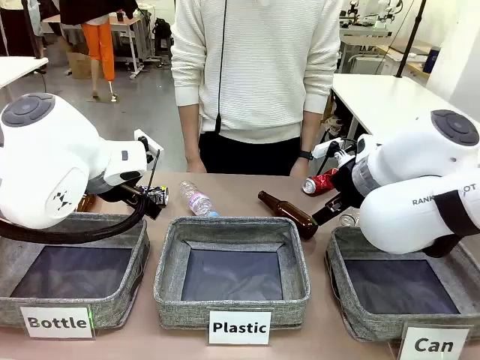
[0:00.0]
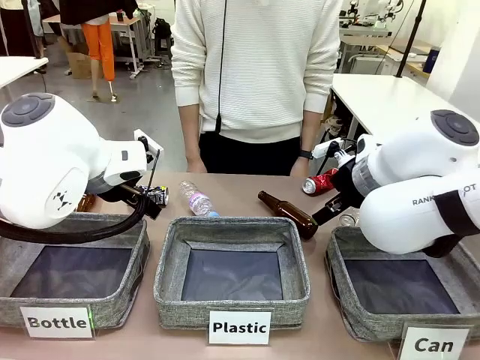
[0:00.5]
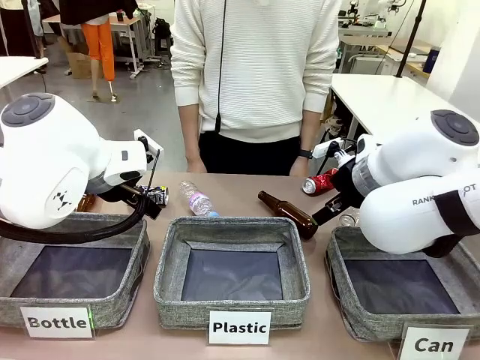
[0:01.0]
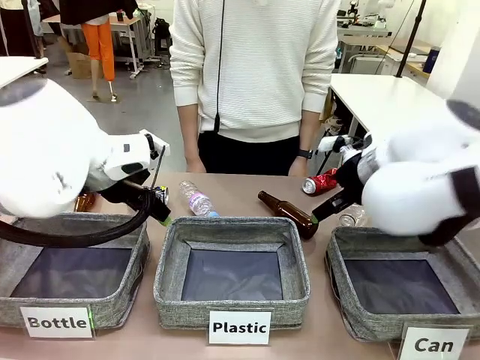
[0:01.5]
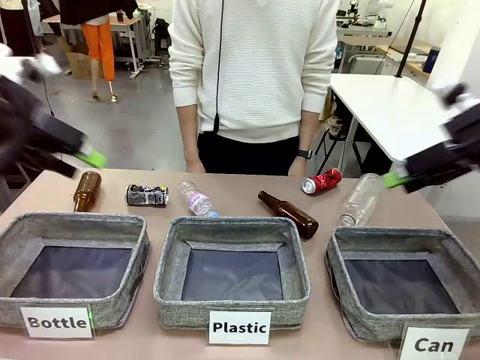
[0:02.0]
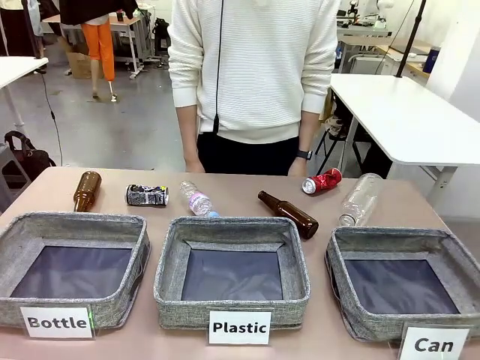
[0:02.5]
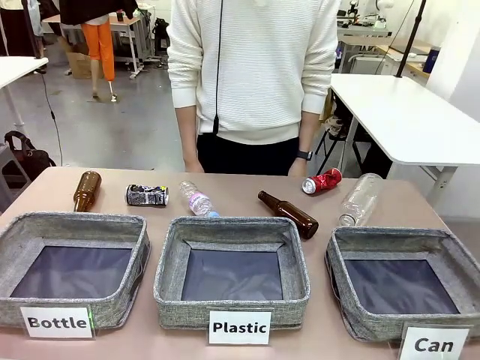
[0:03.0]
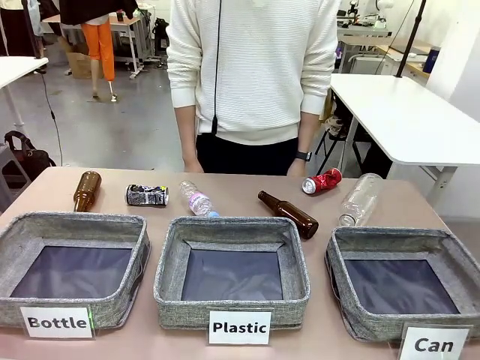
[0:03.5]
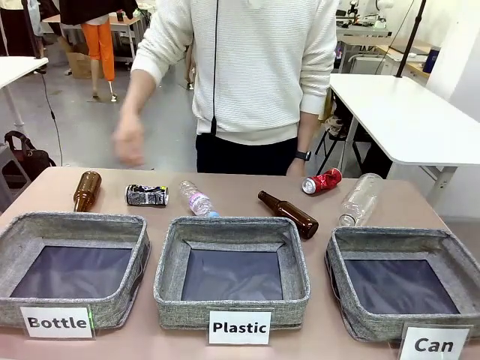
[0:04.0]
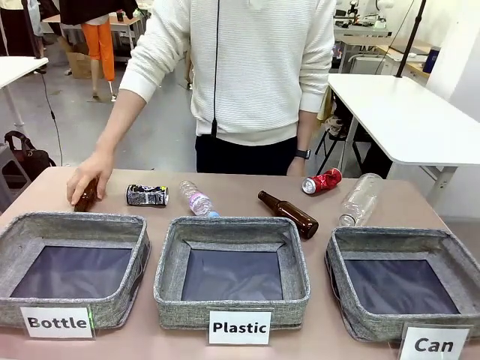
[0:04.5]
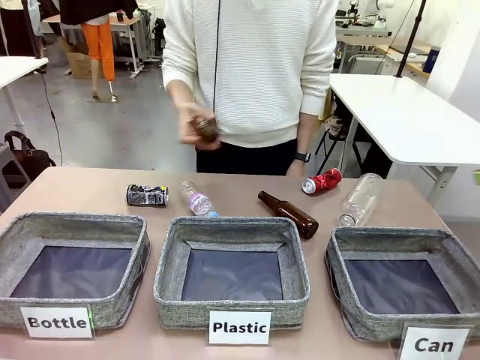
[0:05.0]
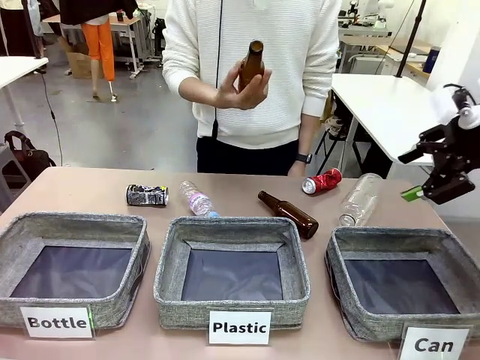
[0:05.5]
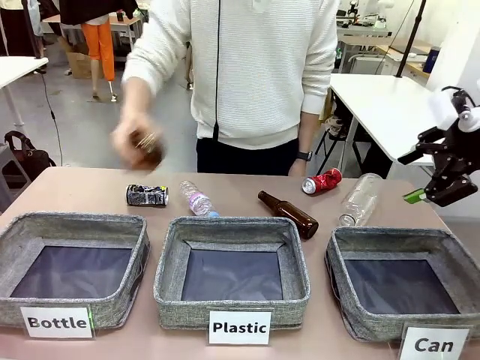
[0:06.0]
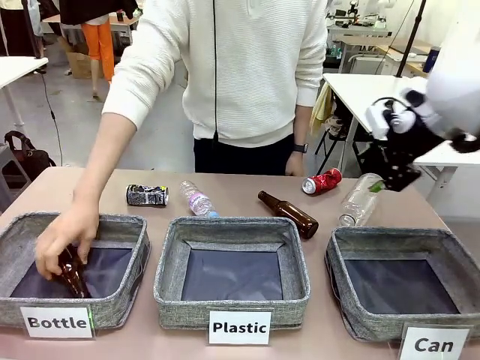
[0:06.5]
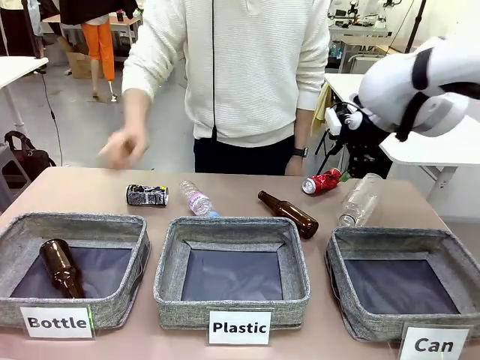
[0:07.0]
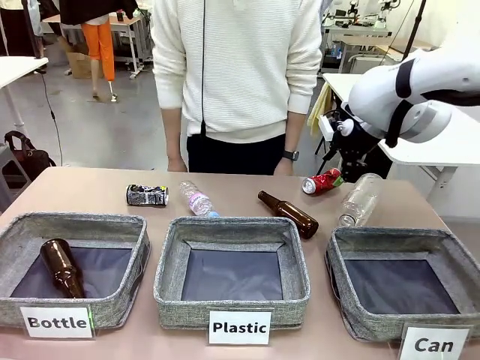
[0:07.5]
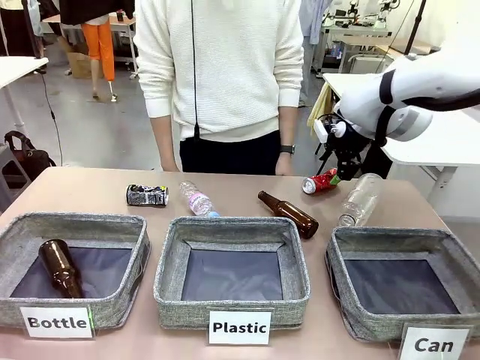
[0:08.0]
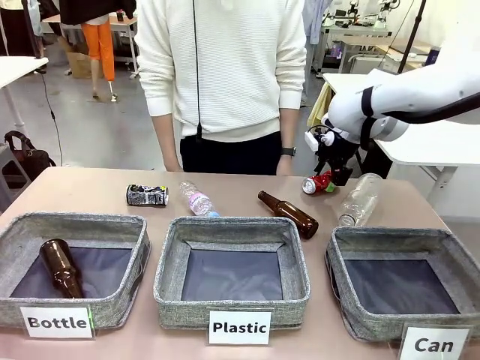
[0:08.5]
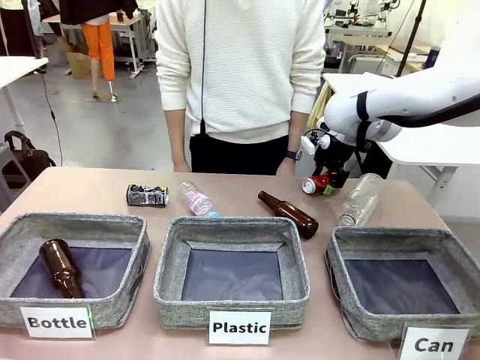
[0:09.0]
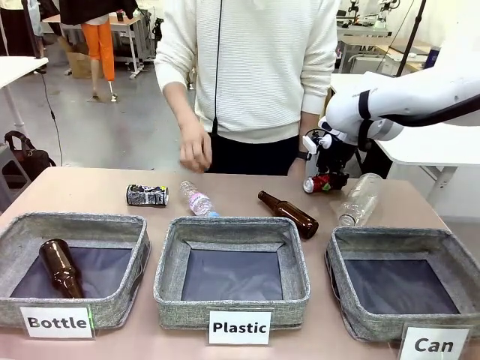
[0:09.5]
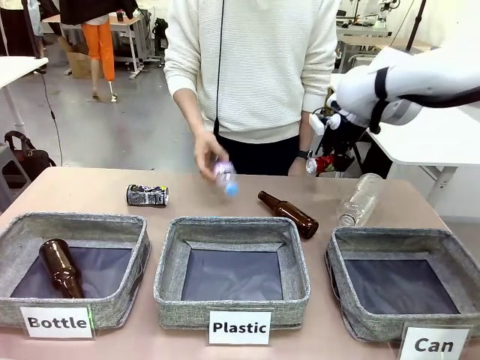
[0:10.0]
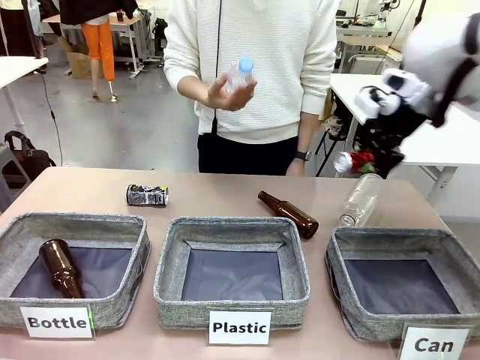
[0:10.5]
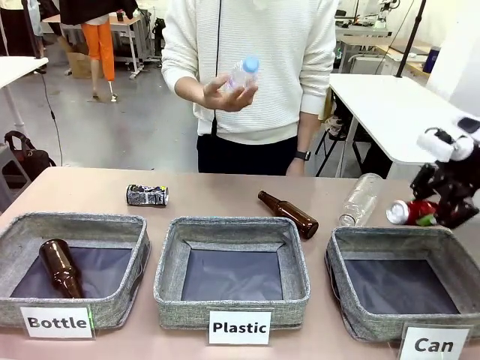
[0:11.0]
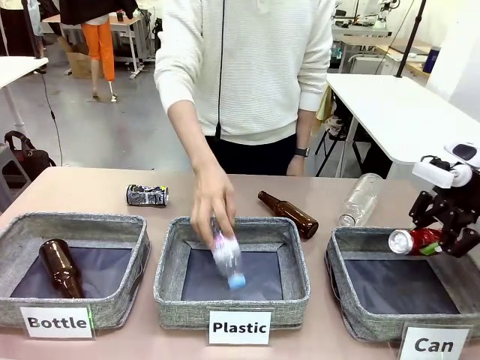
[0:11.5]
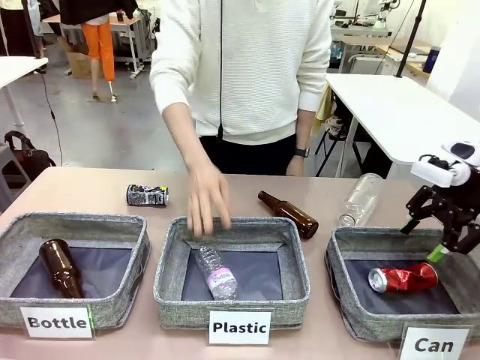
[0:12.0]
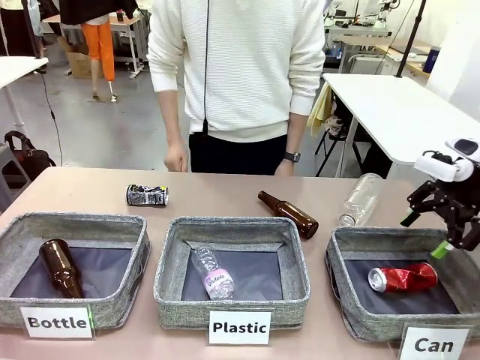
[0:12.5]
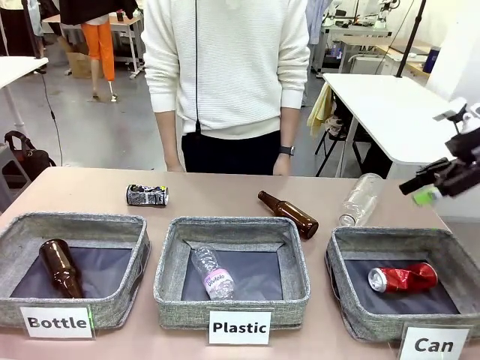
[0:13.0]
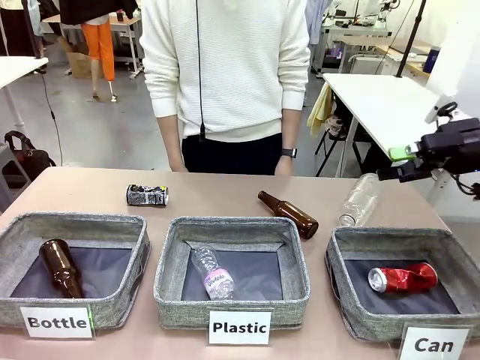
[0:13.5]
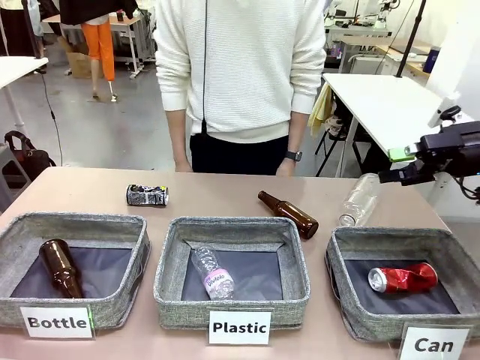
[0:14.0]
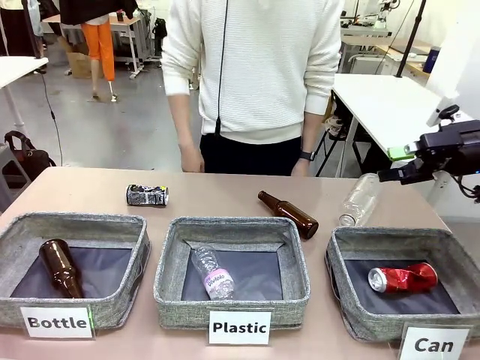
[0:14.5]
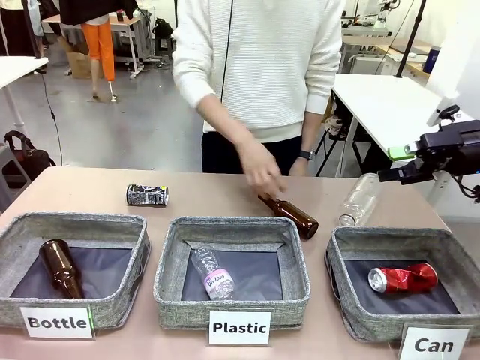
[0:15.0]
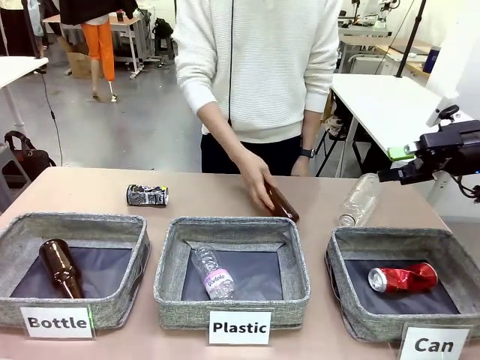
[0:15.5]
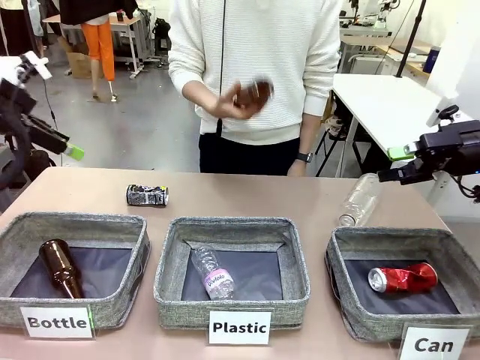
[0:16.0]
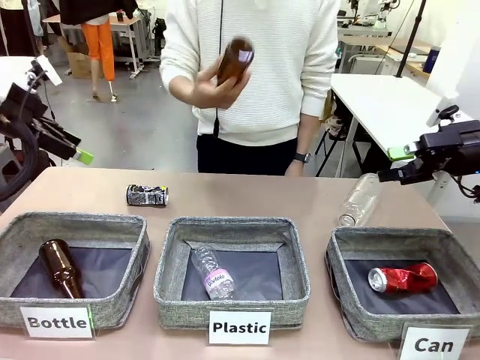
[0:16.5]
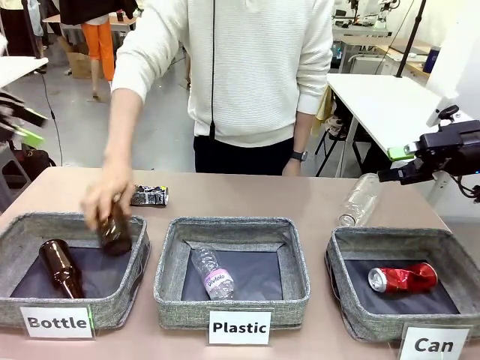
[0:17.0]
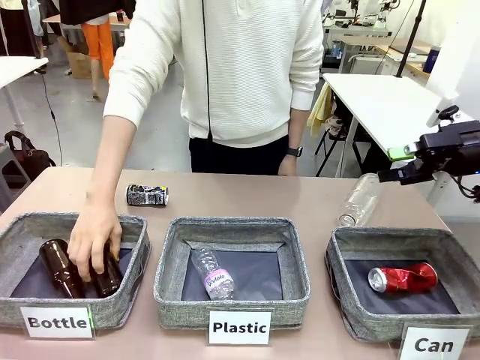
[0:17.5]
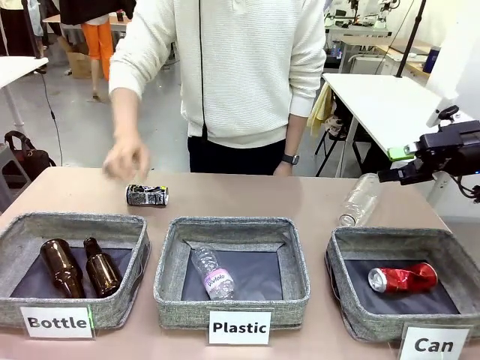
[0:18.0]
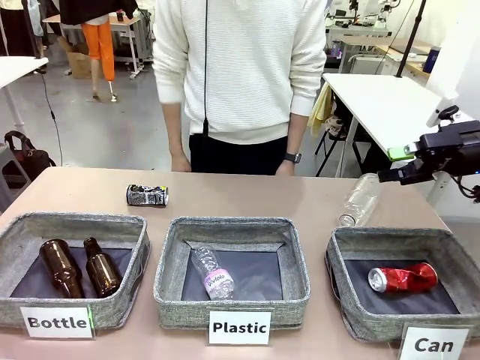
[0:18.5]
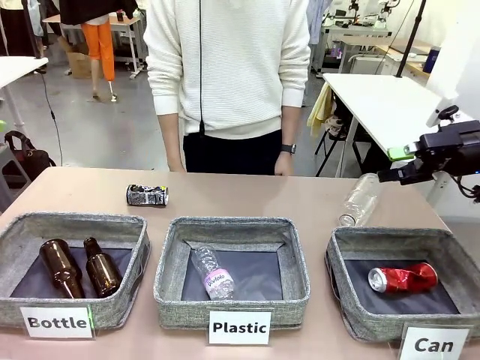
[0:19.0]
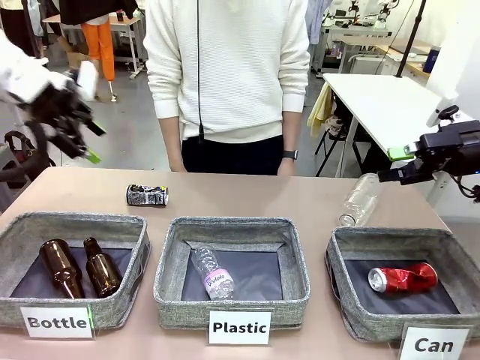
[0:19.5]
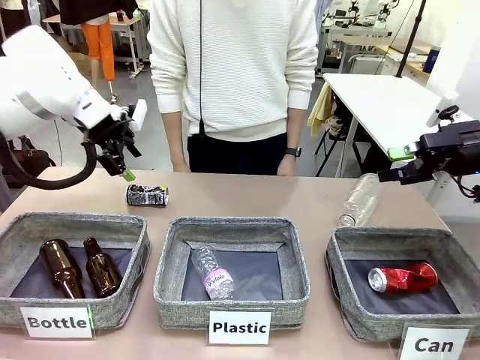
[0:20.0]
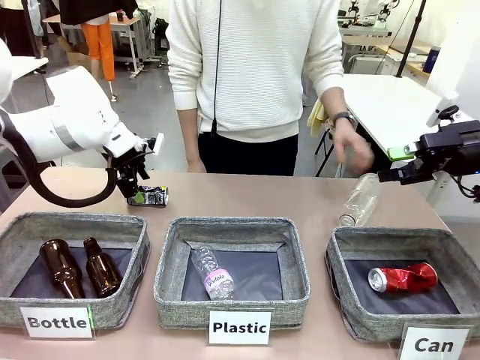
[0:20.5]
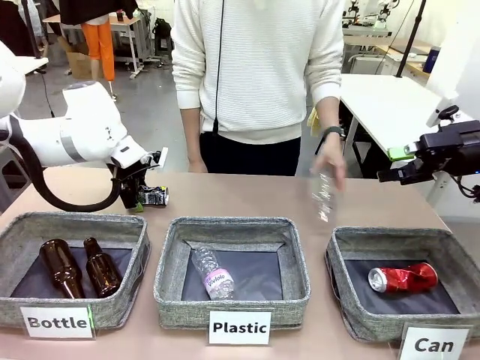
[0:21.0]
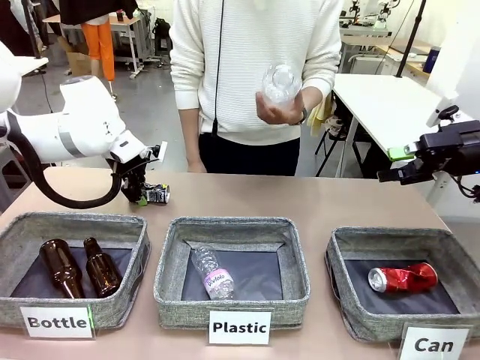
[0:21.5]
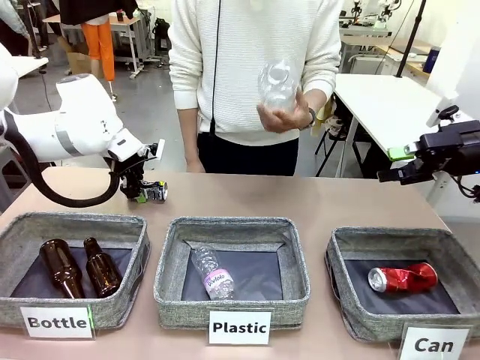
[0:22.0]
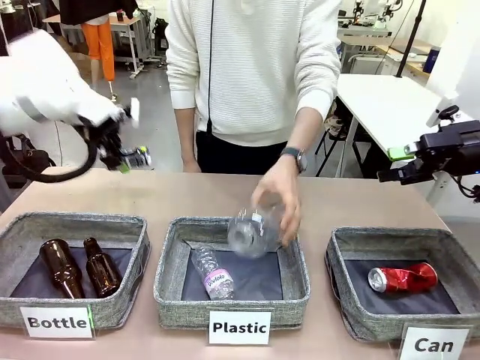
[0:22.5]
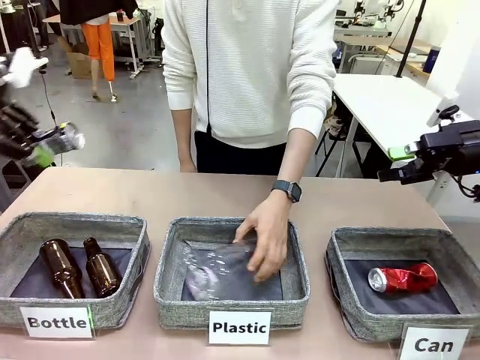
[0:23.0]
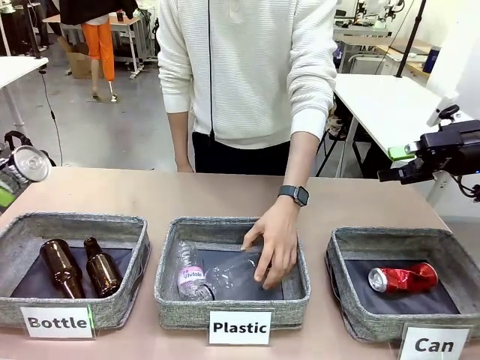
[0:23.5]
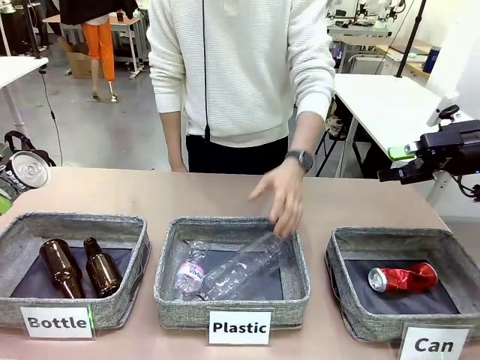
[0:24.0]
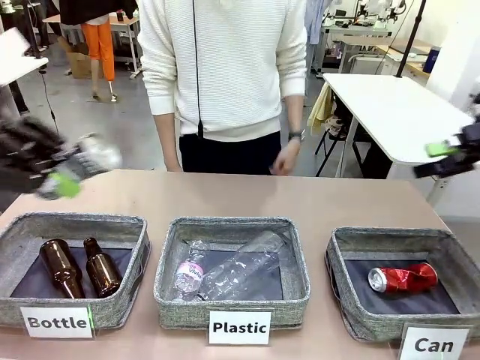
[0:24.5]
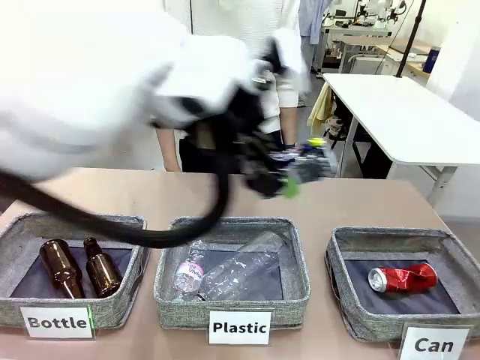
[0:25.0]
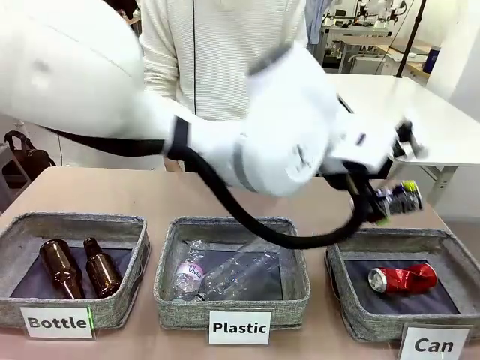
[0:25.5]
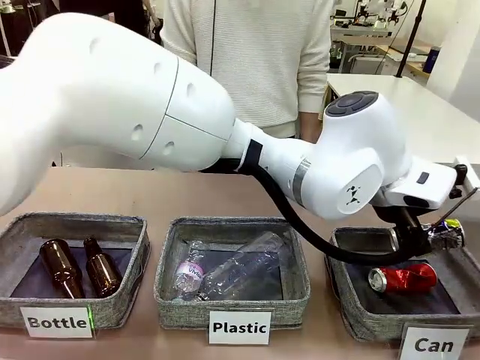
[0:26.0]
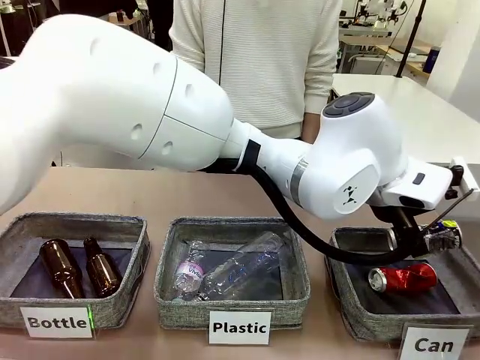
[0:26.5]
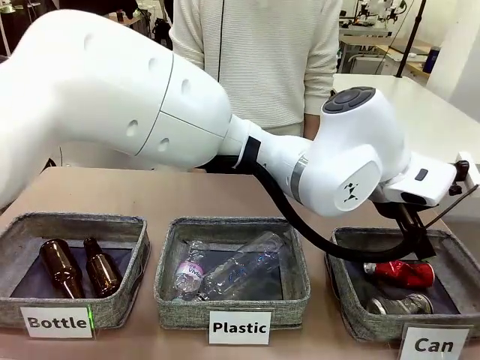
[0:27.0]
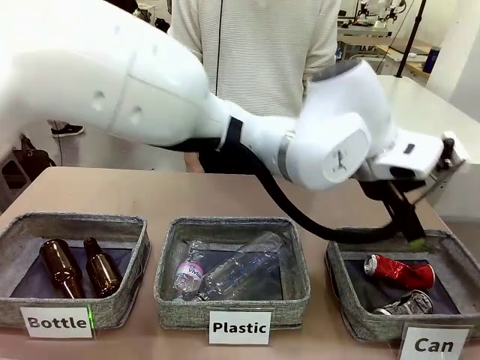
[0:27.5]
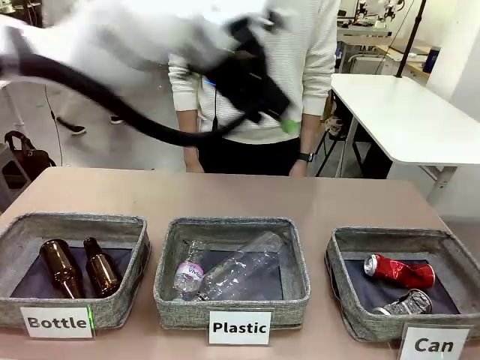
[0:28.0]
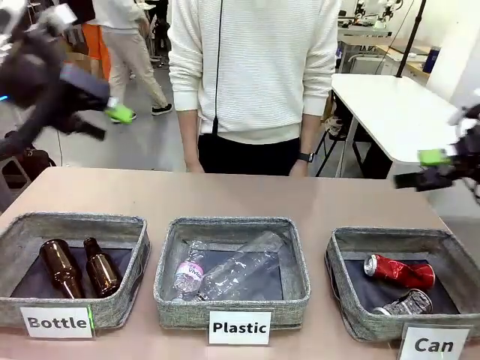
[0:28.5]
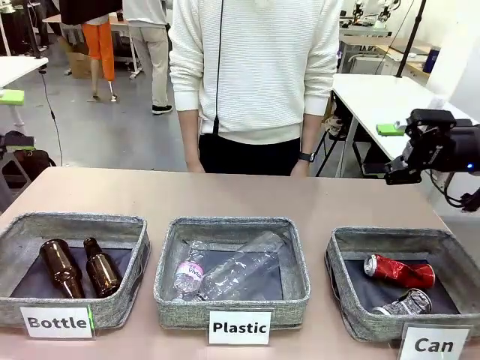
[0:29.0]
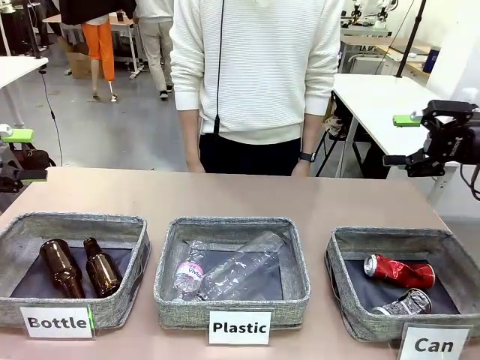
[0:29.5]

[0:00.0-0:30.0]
Task: Sort the can waste into the basket.
Robot: Pick up the can waste from the table and place it in the right Fabric basket.
Person: The human picks up one piece of trash that is not a can and places the trash into the appropriate organizing basket.
